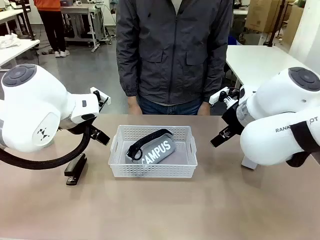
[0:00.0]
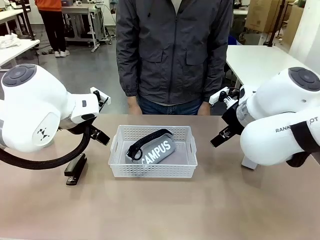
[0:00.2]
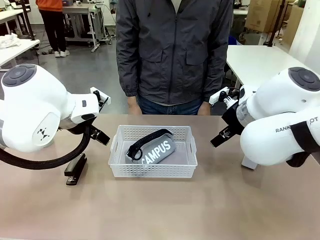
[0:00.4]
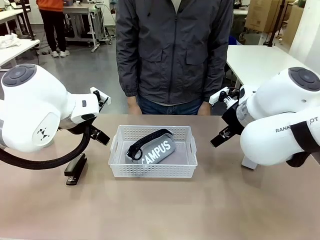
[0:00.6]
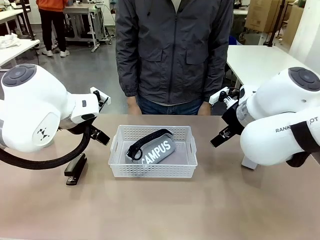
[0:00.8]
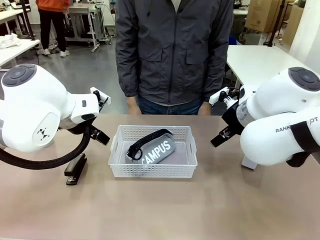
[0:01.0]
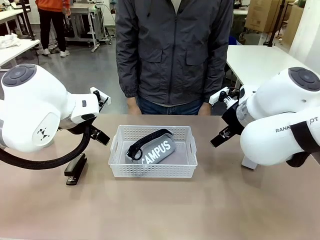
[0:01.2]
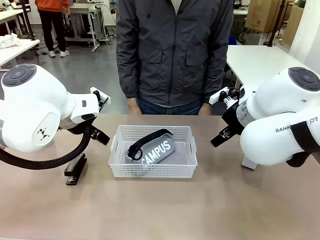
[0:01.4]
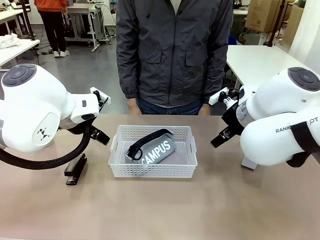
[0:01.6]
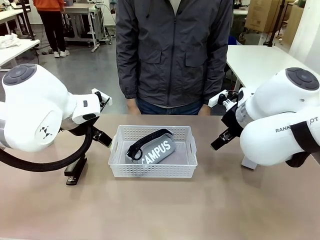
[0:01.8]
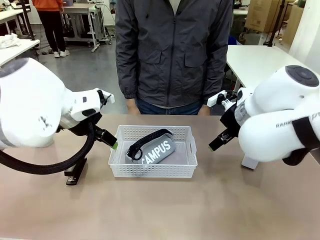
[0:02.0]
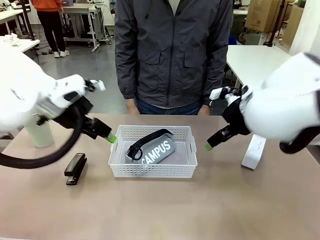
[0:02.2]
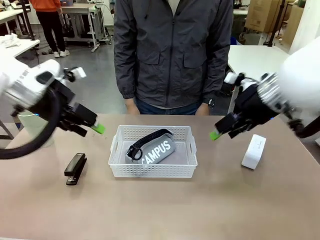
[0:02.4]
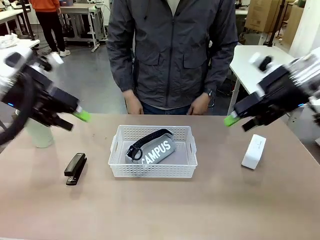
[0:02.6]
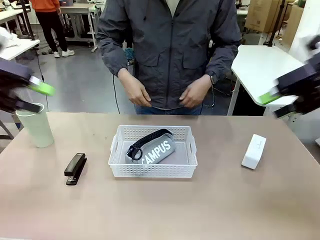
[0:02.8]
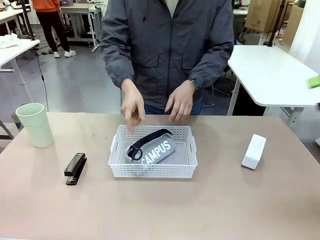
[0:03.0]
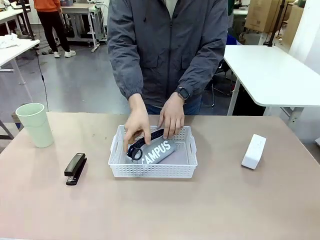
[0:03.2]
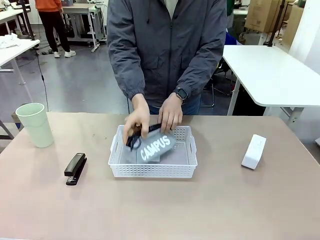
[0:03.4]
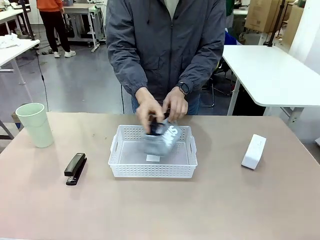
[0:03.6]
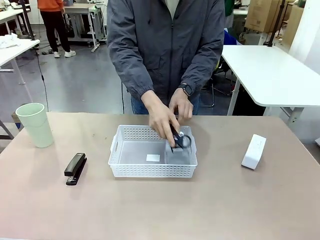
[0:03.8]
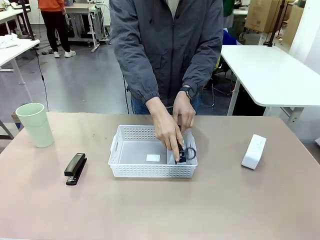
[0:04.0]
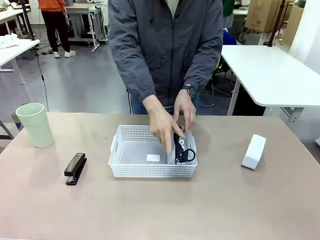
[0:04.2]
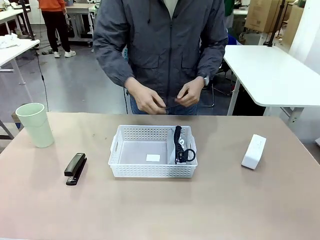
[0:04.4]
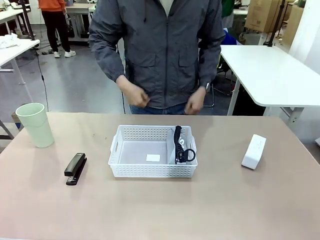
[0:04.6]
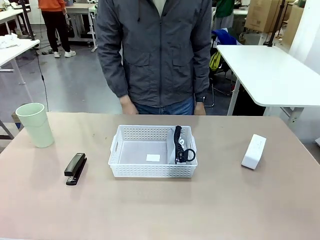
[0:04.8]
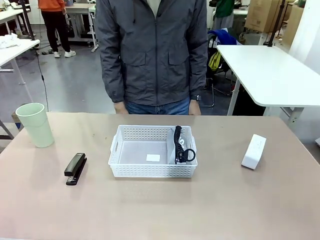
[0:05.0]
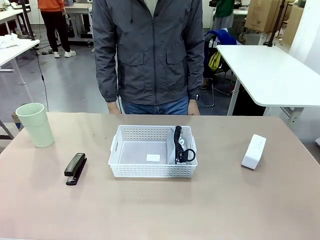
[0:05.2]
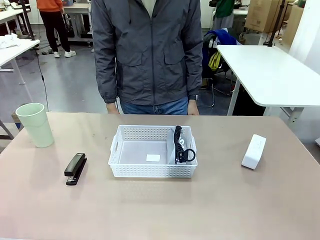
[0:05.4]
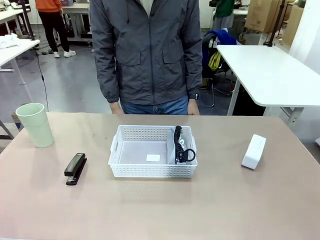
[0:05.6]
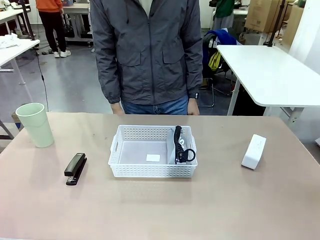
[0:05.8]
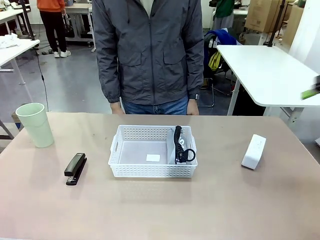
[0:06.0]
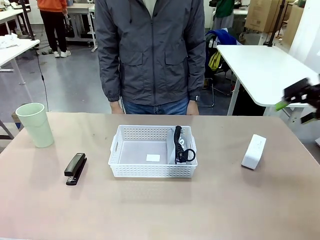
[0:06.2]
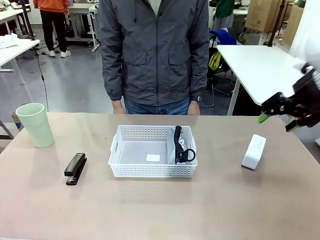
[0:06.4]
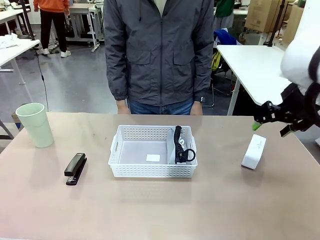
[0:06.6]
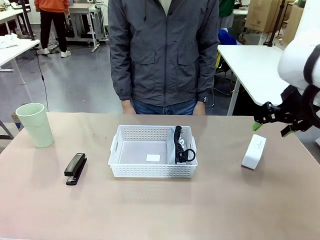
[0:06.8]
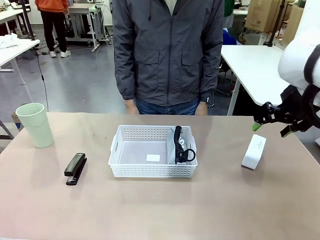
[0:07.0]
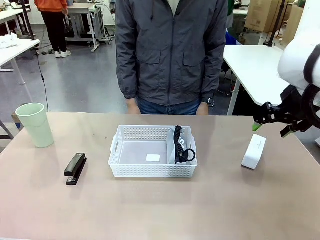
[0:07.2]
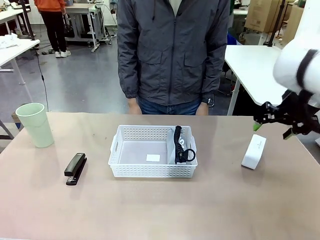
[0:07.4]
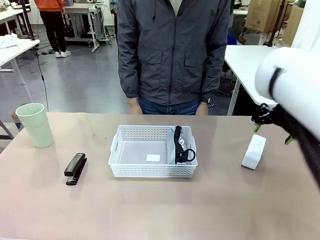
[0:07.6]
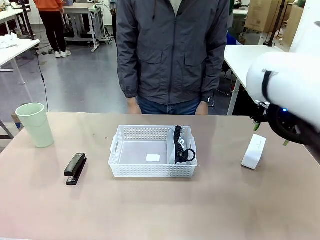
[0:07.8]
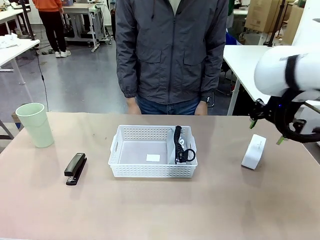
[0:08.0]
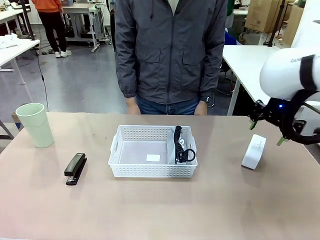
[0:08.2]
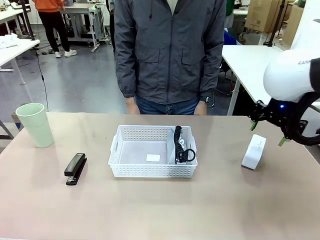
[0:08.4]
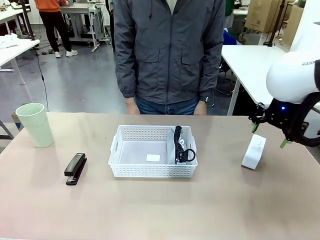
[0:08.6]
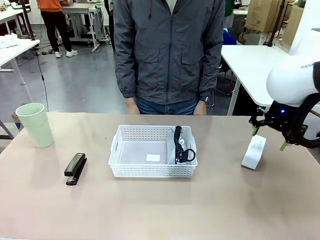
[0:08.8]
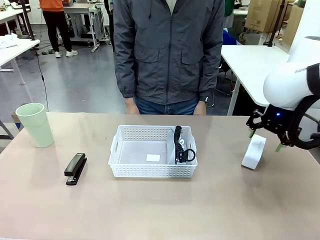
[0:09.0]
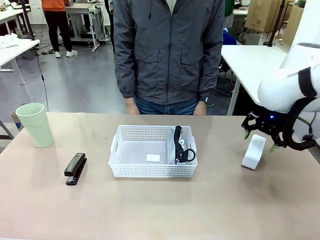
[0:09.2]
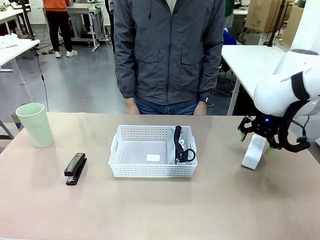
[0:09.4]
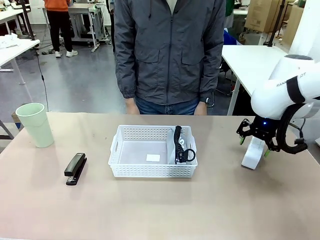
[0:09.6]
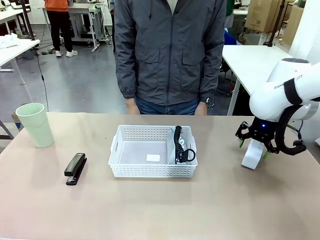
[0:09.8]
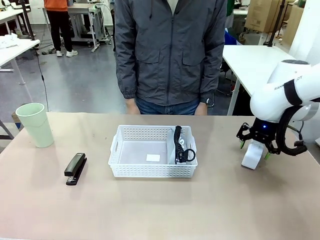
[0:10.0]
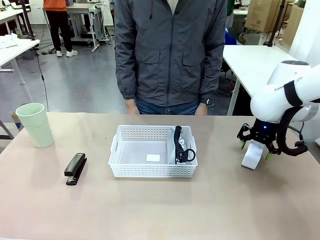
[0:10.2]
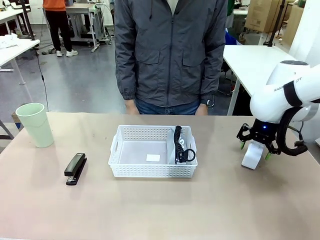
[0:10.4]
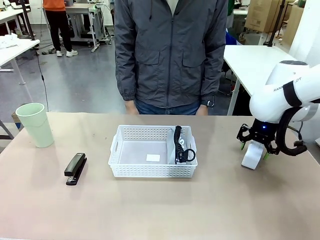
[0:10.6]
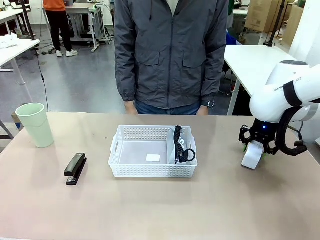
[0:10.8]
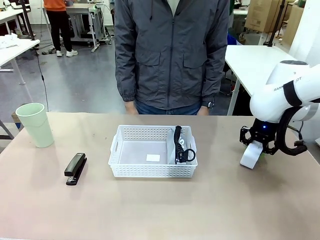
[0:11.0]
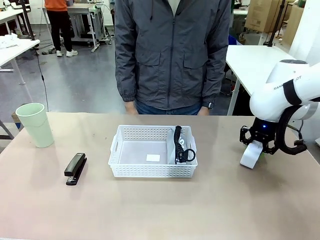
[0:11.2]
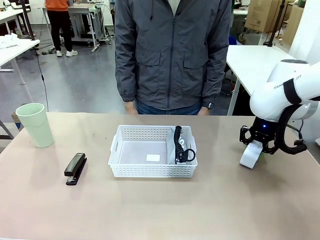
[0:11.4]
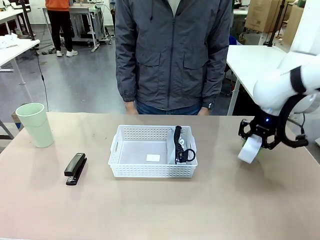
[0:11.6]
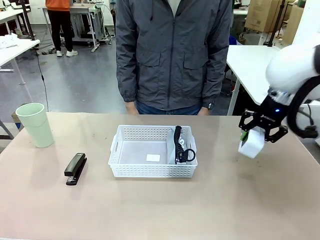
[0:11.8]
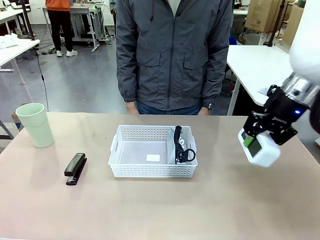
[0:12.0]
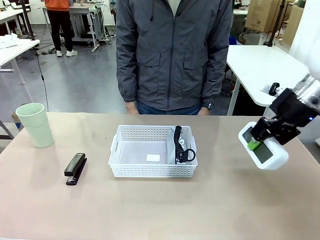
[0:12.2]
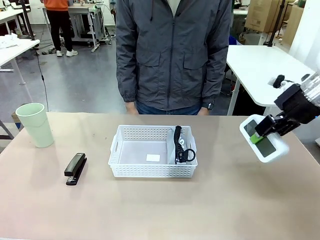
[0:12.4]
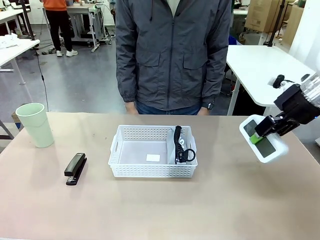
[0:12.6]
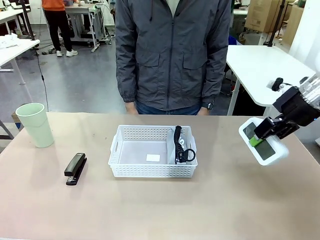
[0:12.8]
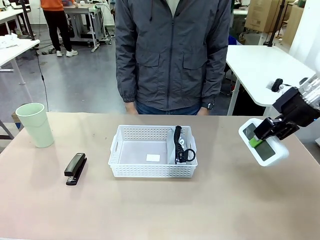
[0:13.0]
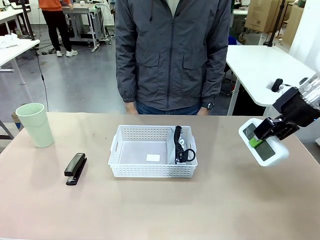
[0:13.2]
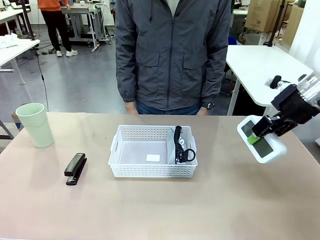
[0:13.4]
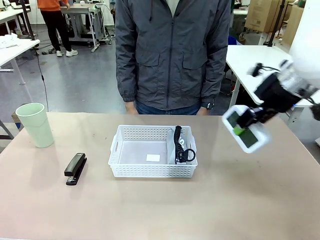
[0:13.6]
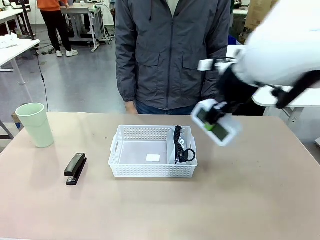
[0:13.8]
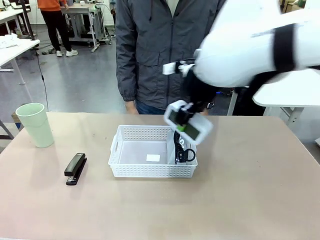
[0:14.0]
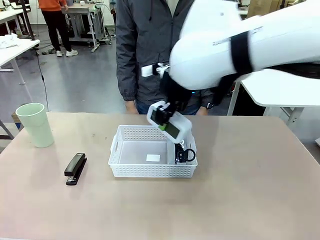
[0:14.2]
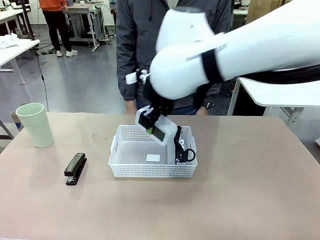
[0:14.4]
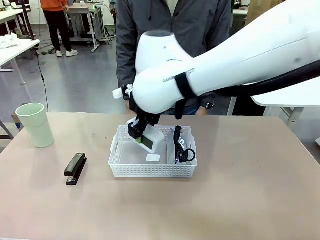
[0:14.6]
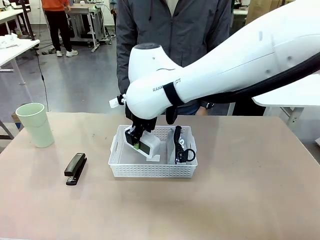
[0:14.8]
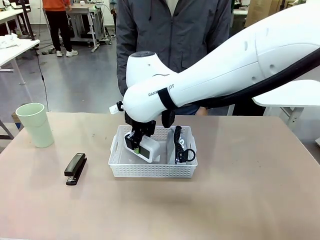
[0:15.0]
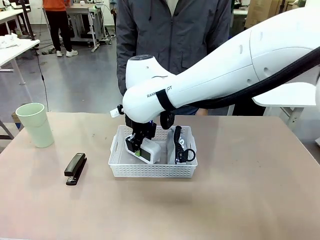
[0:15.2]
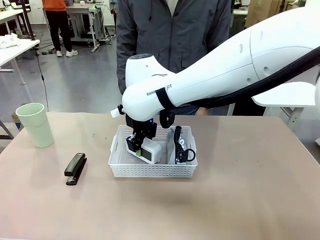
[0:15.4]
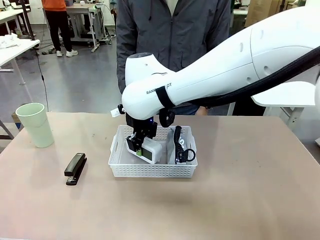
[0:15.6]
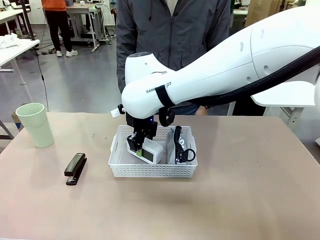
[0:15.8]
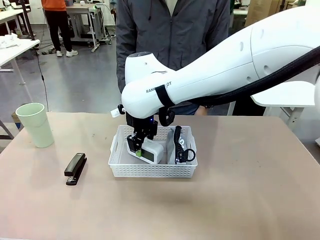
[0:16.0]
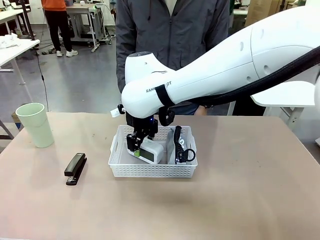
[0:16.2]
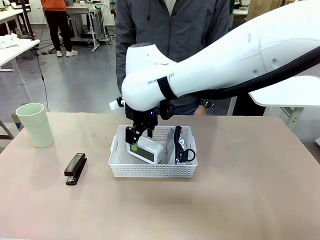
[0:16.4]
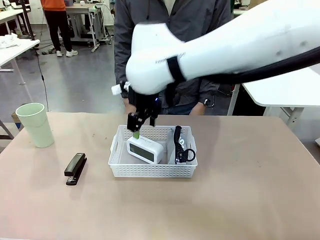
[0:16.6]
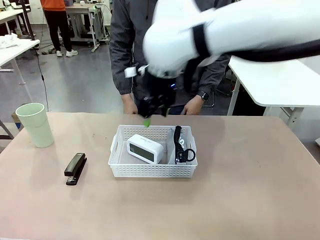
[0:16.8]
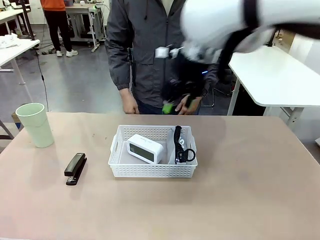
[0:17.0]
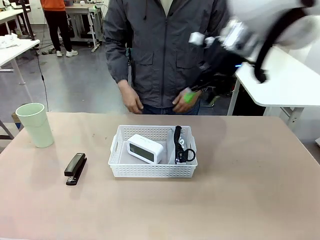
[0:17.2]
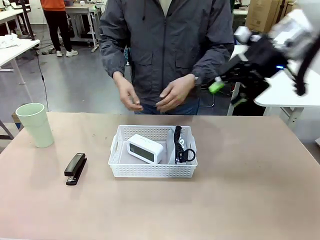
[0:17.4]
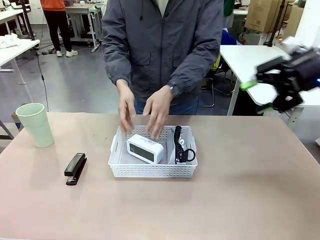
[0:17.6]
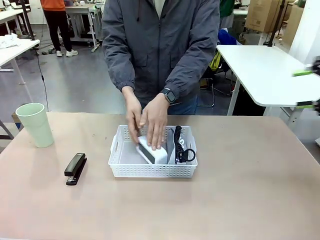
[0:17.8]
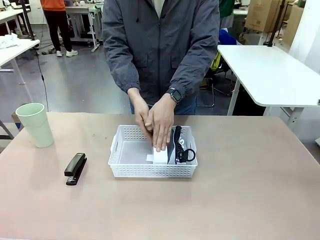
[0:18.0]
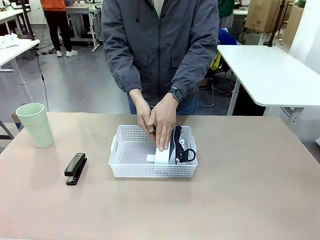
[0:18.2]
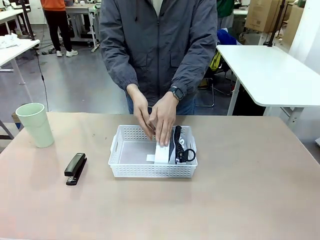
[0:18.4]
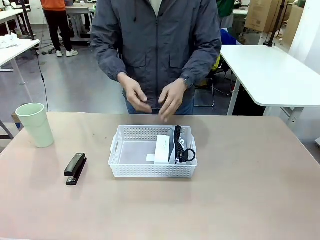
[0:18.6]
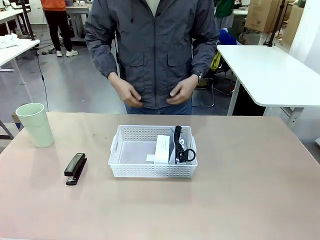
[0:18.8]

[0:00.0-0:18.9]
Task: Efficiently arrange items inside the basket to fit them all.
Robot: Pick up the Digital clock and place it inside the Organizing basket.
Person: Repositions the pencil case. Repositions the digital clock.
